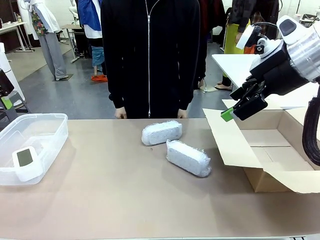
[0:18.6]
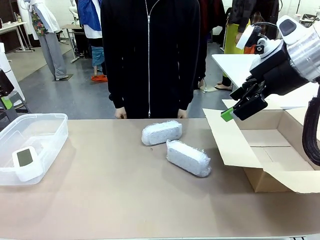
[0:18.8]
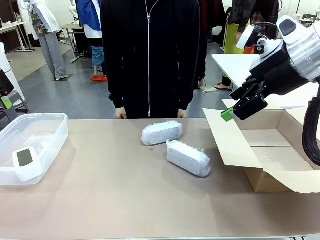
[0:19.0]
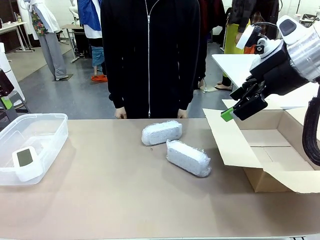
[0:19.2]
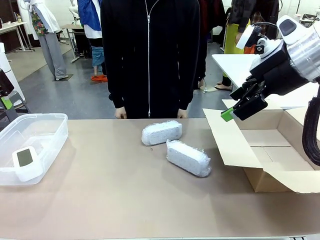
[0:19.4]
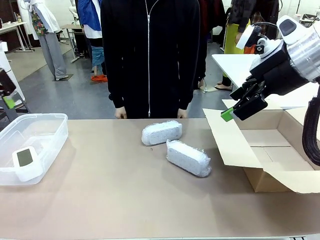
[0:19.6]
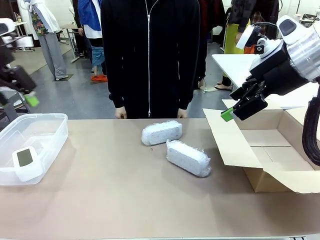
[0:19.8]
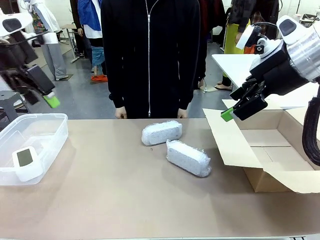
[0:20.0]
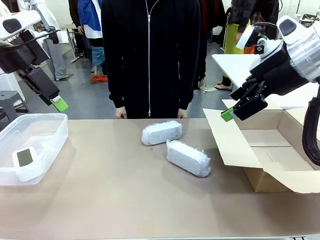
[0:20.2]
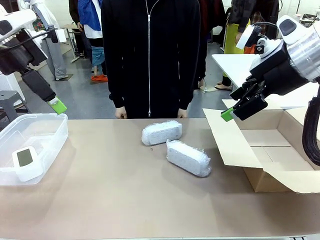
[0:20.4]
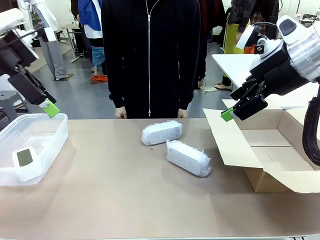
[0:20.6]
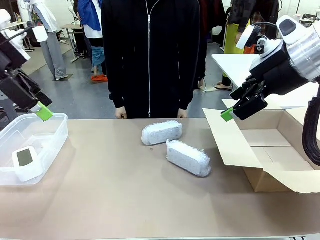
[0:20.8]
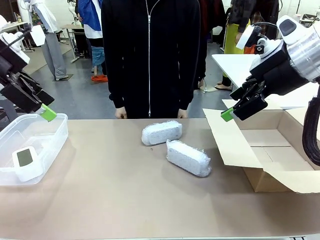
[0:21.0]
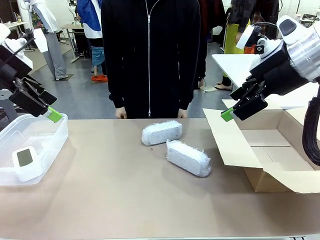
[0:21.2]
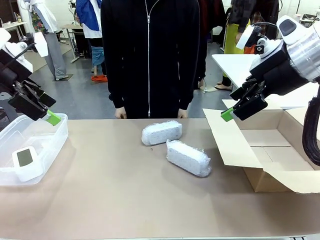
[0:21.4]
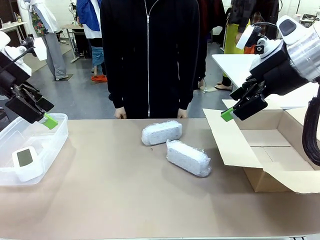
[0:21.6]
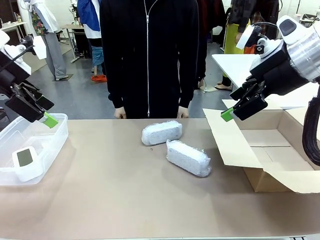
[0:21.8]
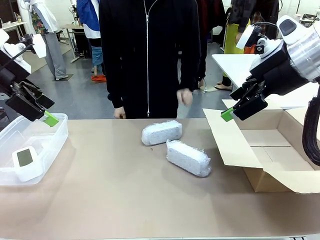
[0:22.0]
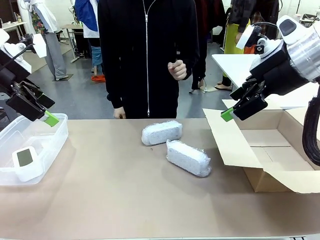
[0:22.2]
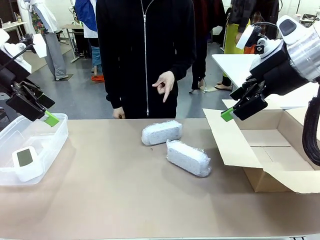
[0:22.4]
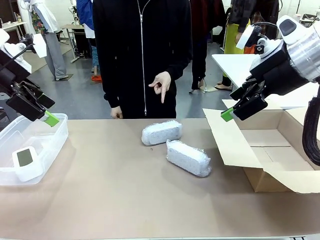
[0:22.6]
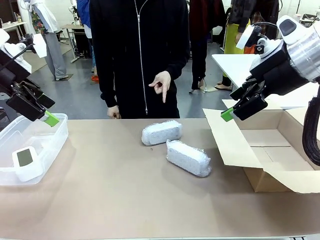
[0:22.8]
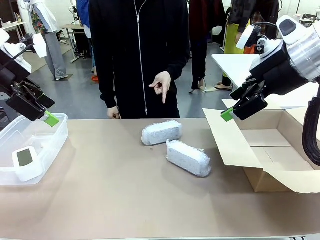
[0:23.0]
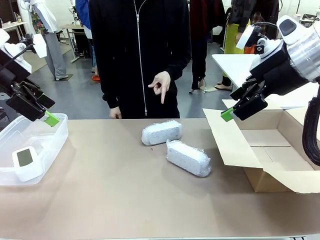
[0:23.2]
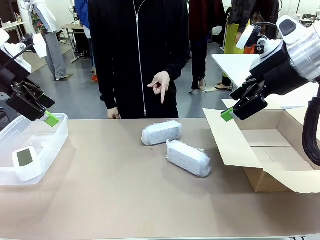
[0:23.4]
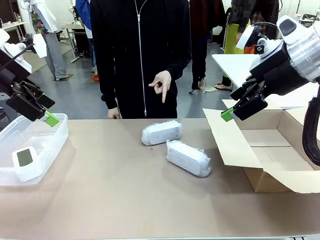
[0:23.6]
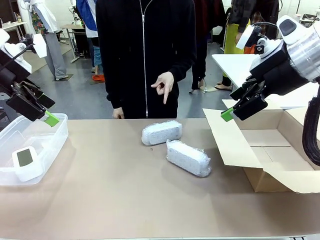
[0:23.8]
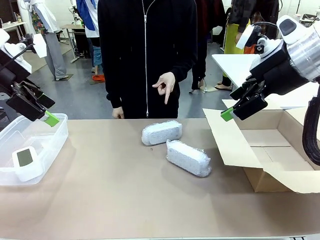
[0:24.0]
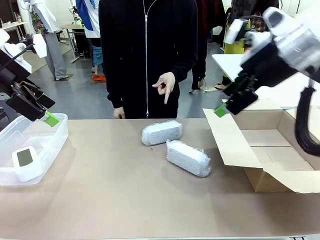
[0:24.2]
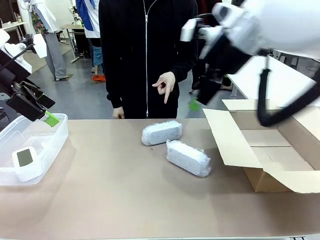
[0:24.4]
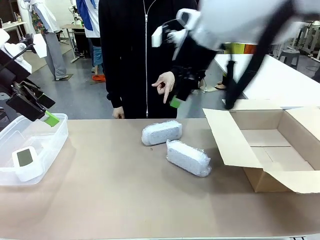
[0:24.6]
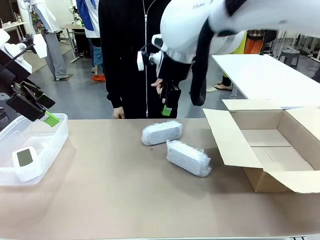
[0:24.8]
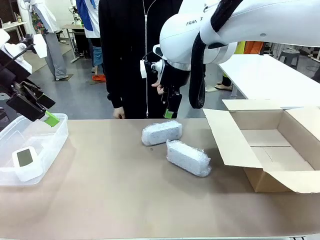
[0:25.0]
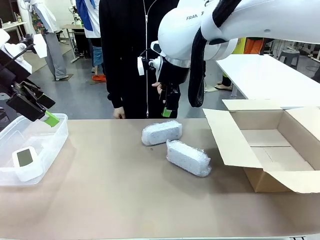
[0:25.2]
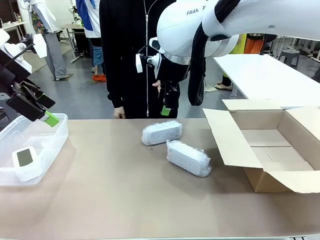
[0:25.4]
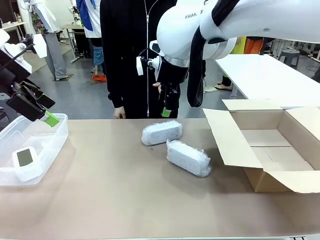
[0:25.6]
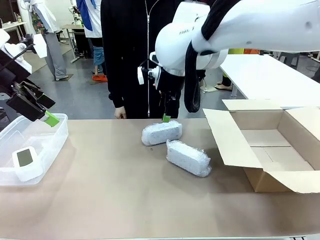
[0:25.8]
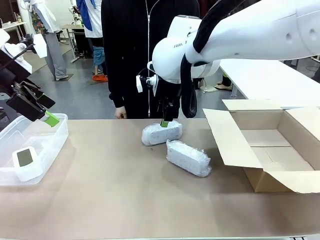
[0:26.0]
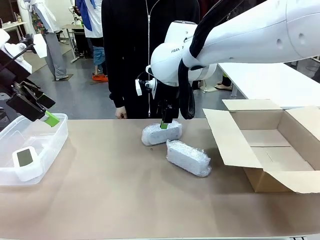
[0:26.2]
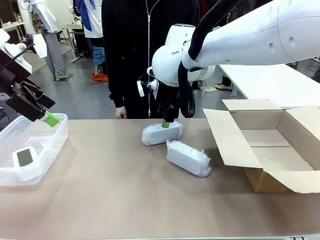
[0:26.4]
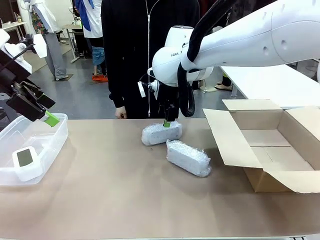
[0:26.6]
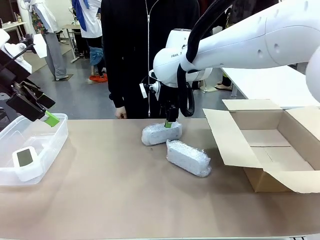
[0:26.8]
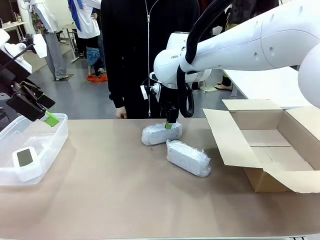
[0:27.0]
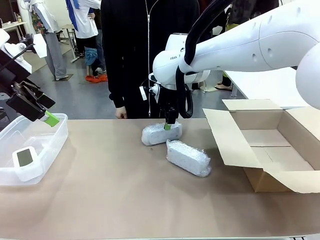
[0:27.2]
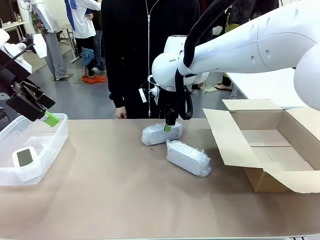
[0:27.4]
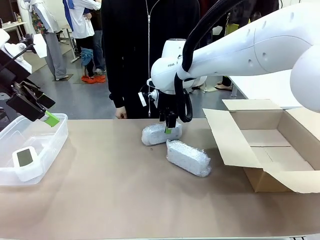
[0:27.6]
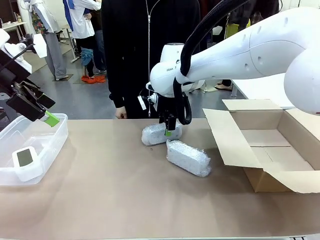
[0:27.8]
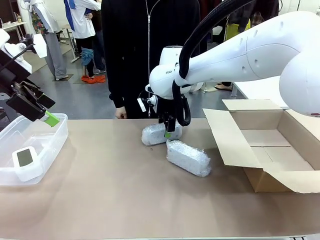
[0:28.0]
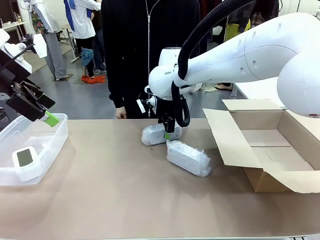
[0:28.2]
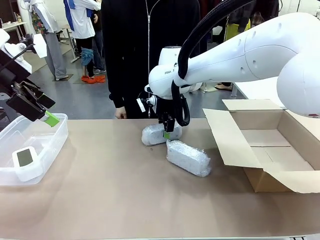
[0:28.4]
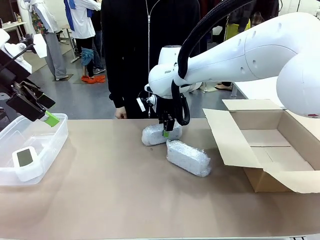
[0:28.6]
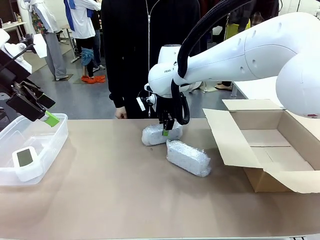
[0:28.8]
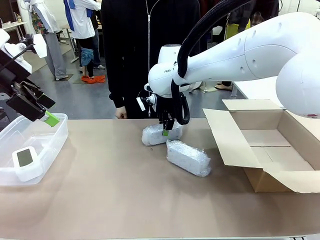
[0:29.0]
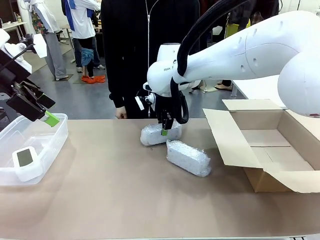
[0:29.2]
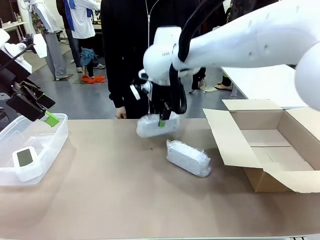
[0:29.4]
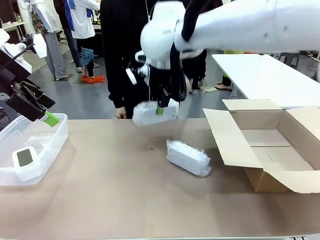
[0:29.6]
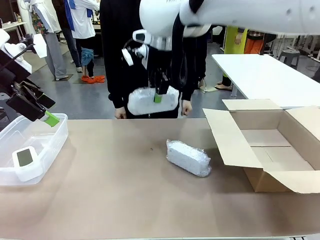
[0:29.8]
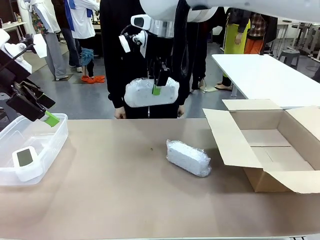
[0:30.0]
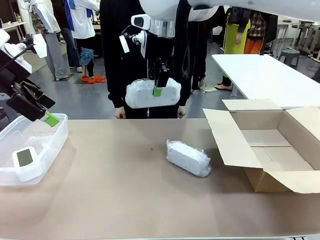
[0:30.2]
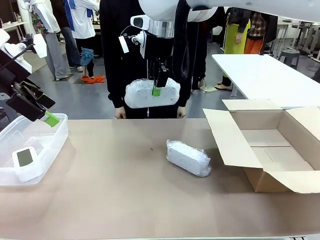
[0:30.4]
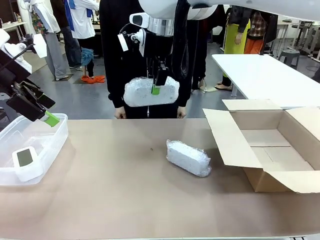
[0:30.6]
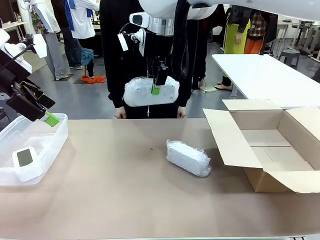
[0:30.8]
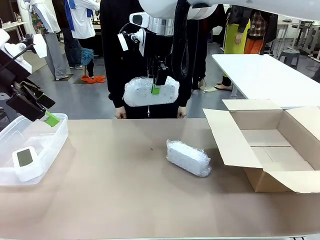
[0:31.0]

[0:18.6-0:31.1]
Task: Separate and place wrapped and unwrapped clocks.
Robot: Pick up the Digital clock indicated by the person.

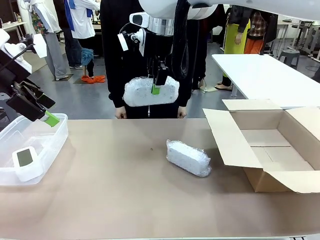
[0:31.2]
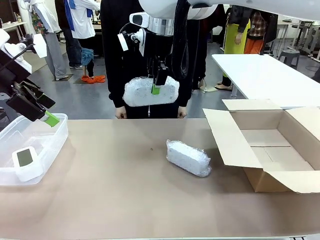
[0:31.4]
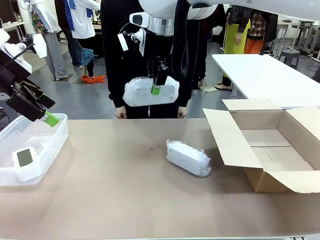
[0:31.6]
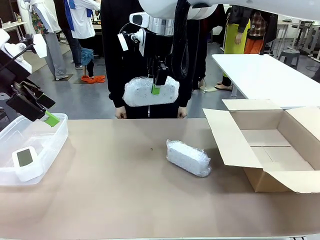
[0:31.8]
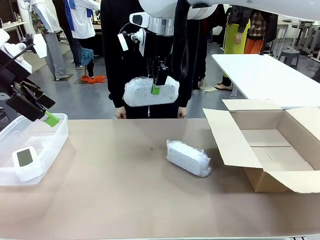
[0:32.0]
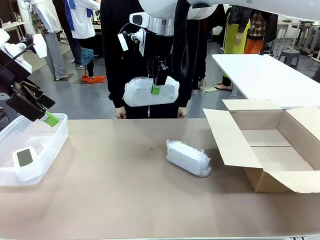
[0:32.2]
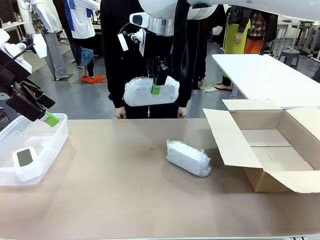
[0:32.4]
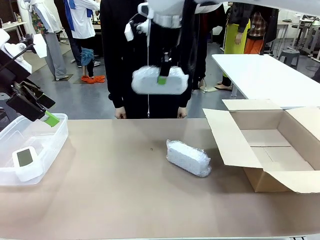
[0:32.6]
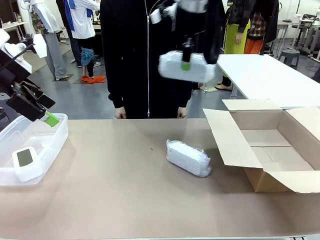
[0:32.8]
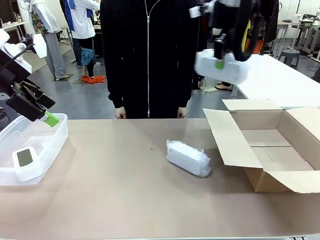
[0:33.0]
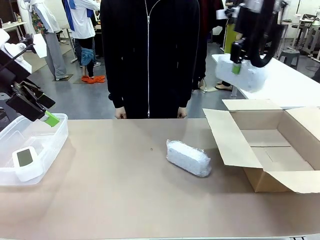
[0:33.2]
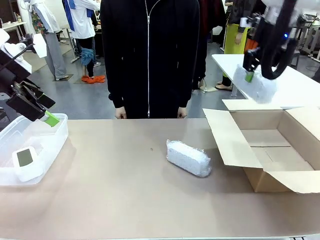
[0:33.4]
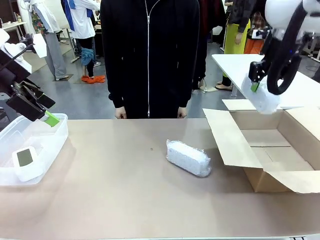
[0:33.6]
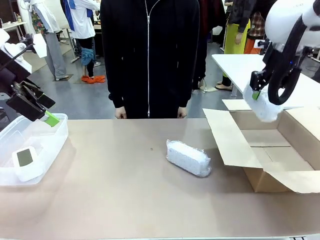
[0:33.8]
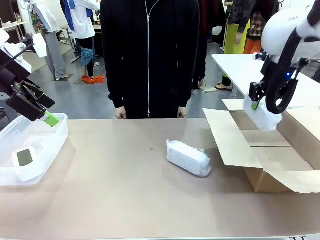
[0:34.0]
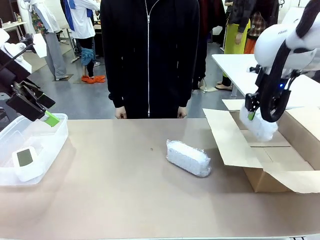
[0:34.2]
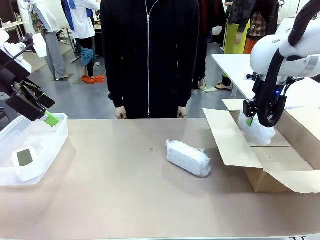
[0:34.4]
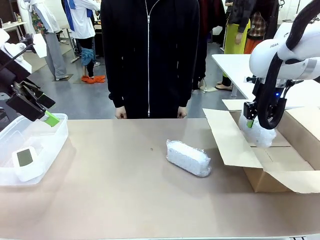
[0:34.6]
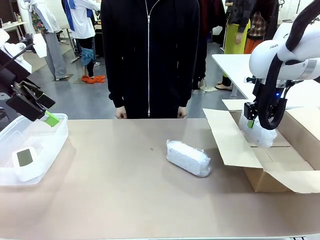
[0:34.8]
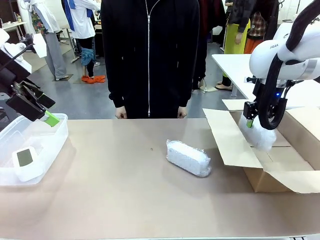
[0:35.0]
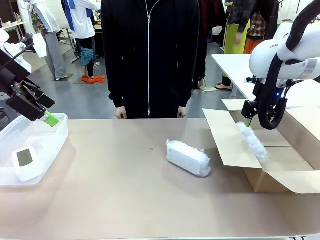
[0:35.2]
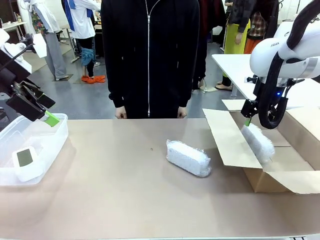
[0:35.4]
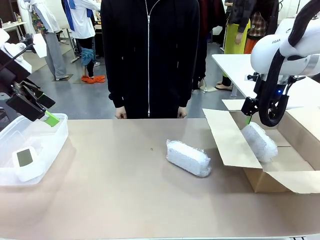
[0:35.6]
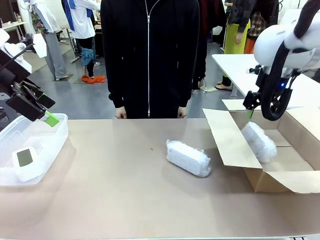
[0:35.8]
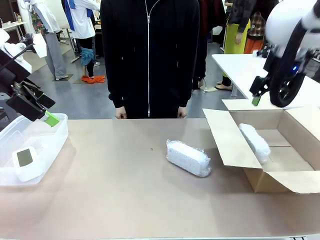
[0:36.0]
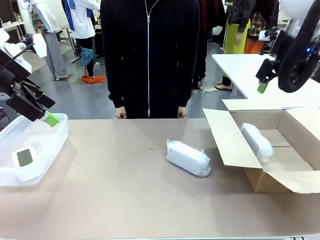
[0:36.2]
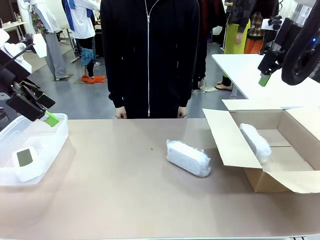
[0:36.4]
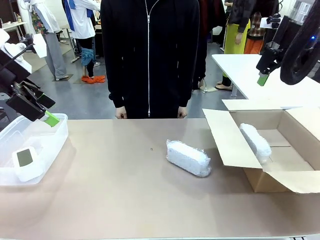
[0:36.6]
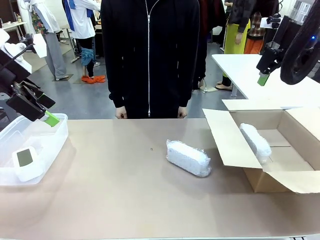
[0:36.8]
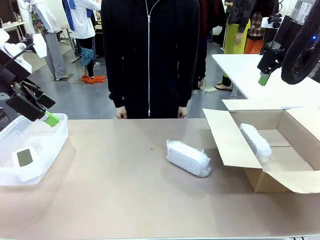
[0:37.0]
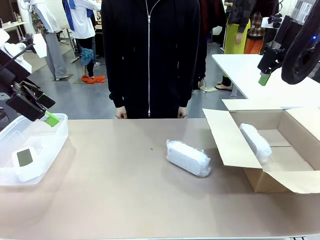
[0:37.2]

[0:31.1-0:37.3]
Robot: If the picked Digital clock is wrapped, place it in the Package Box ; if not, place it in the Organizing box.
